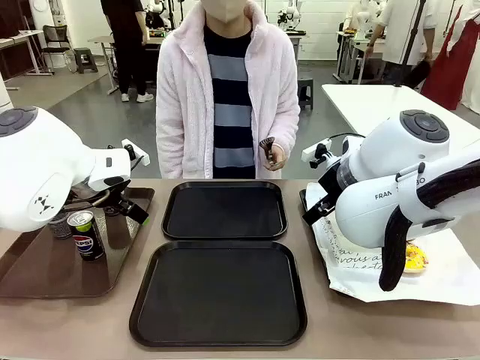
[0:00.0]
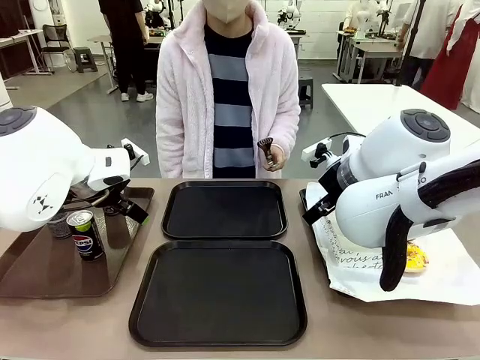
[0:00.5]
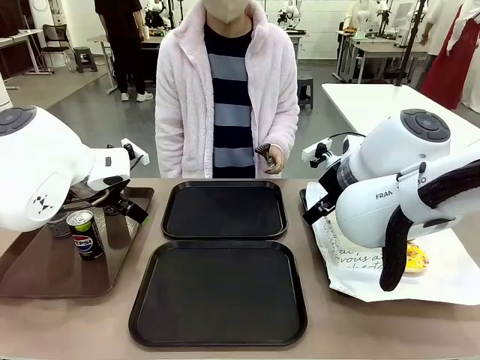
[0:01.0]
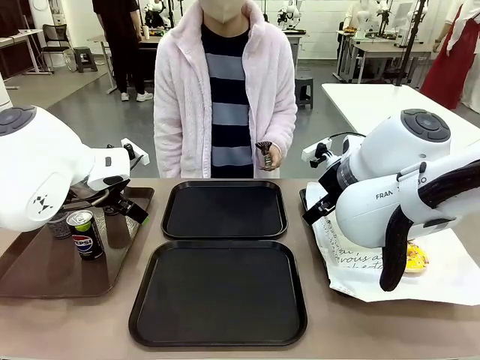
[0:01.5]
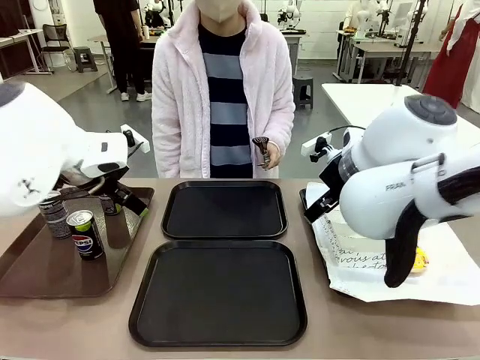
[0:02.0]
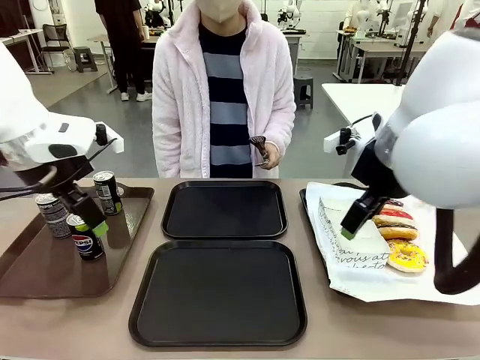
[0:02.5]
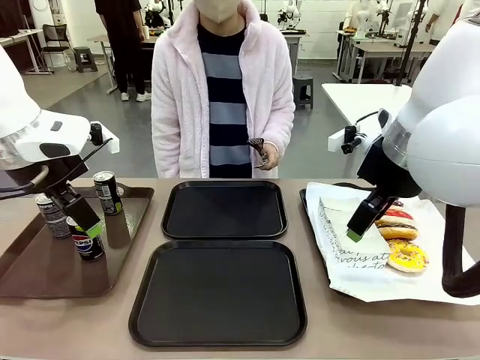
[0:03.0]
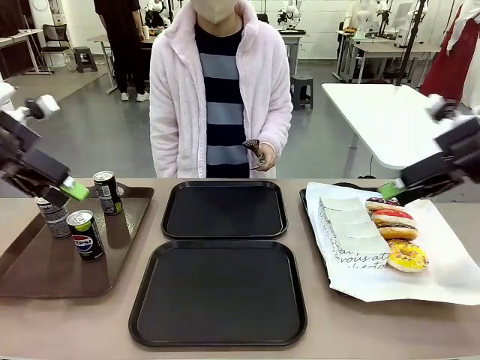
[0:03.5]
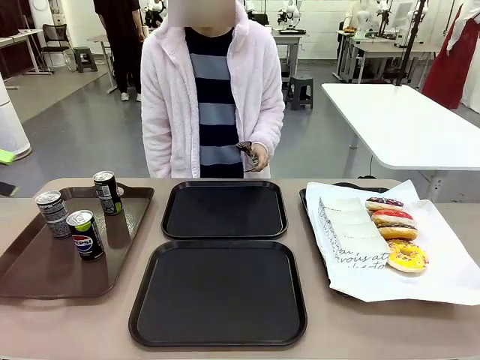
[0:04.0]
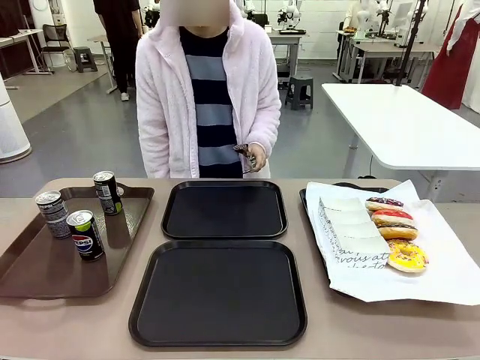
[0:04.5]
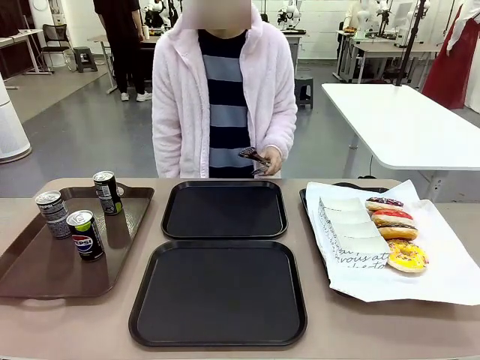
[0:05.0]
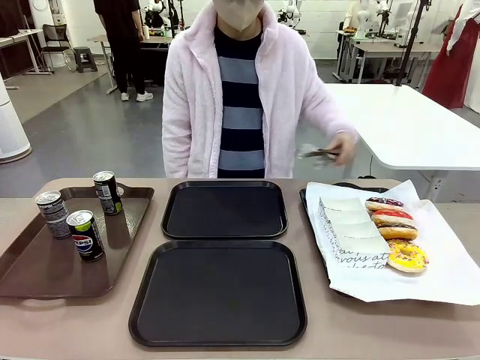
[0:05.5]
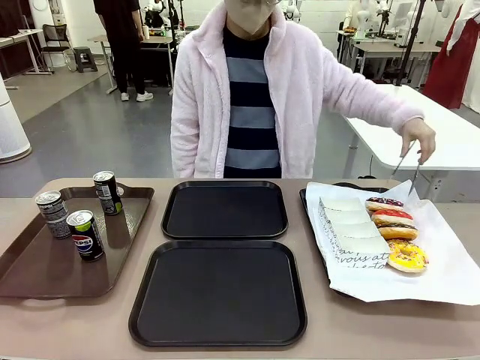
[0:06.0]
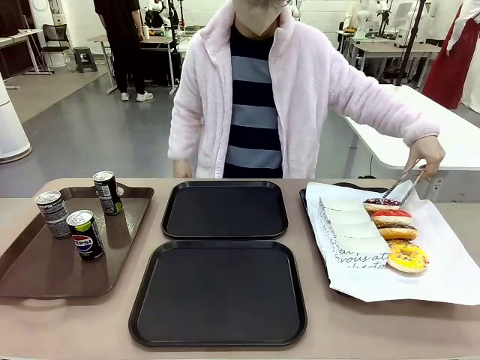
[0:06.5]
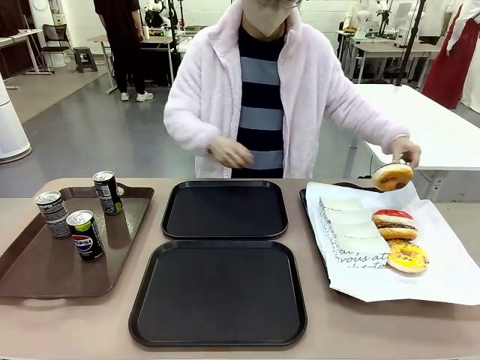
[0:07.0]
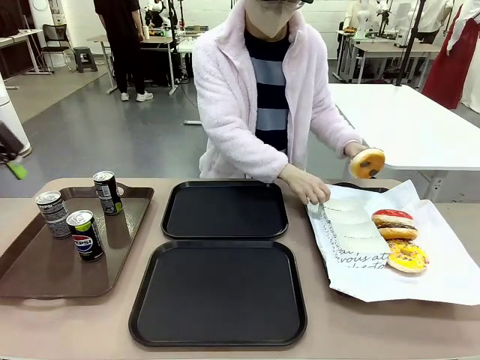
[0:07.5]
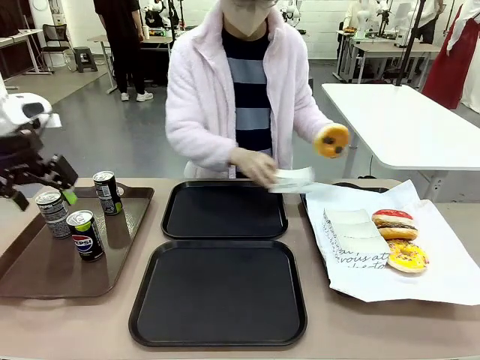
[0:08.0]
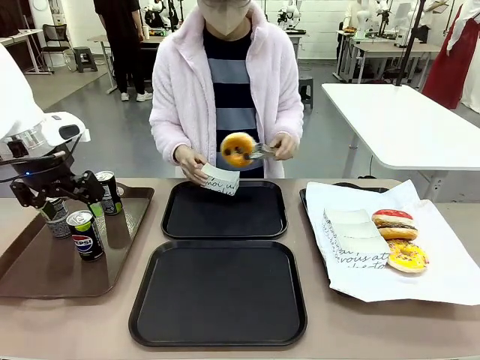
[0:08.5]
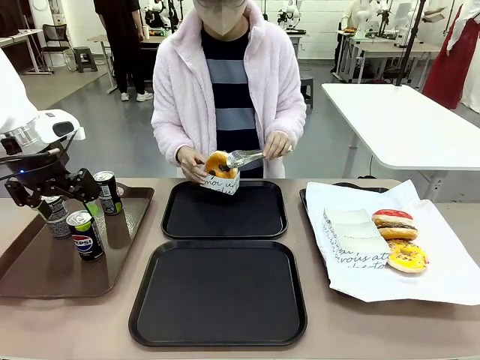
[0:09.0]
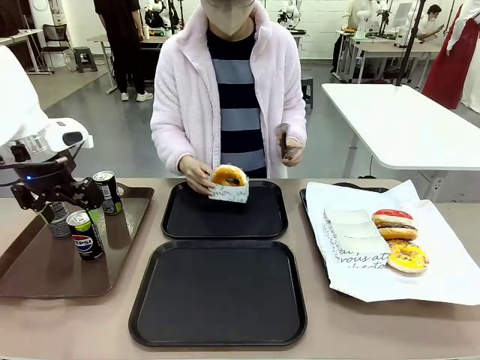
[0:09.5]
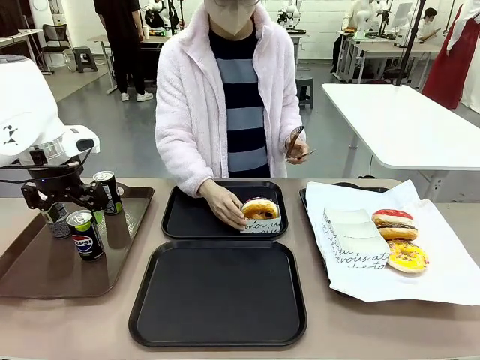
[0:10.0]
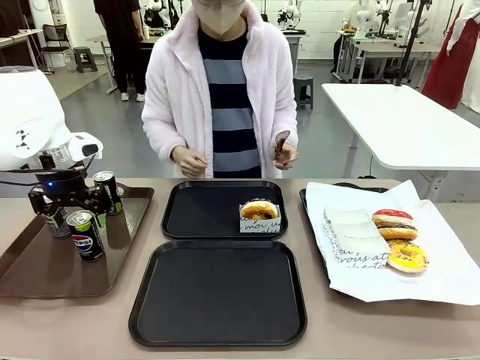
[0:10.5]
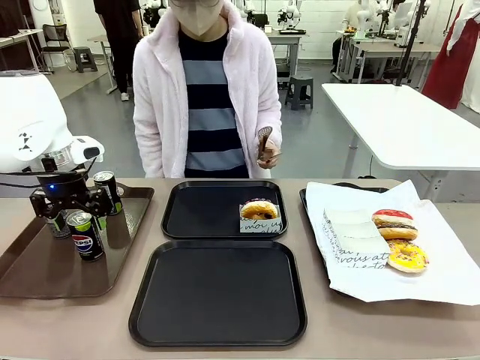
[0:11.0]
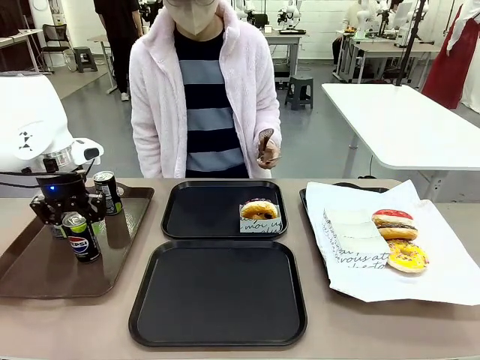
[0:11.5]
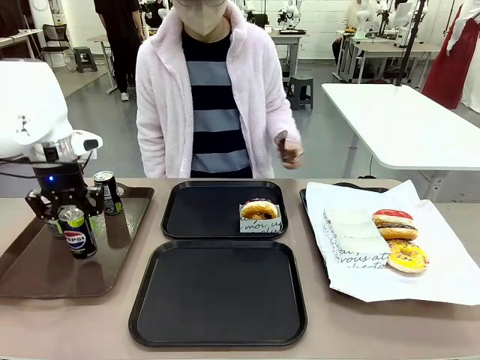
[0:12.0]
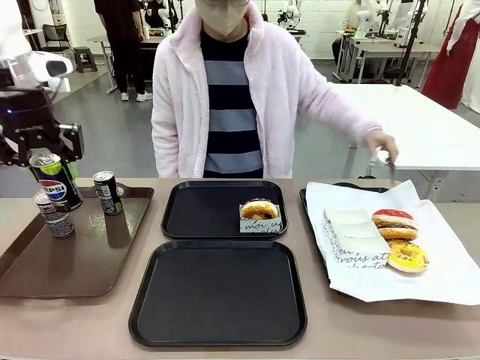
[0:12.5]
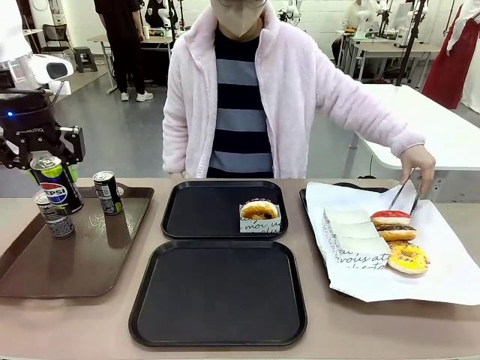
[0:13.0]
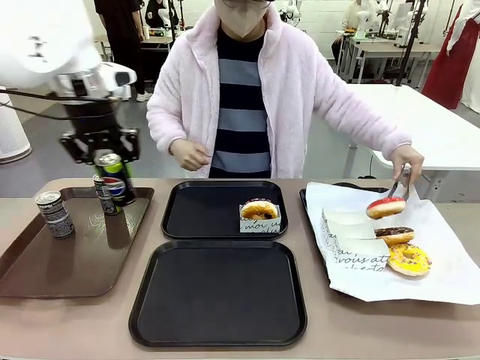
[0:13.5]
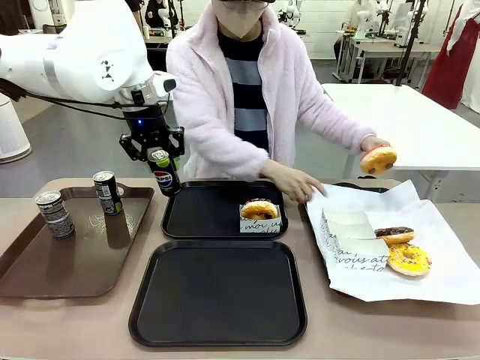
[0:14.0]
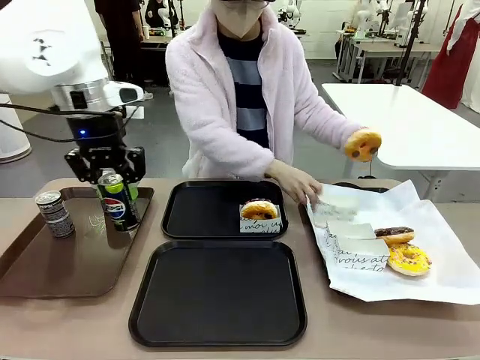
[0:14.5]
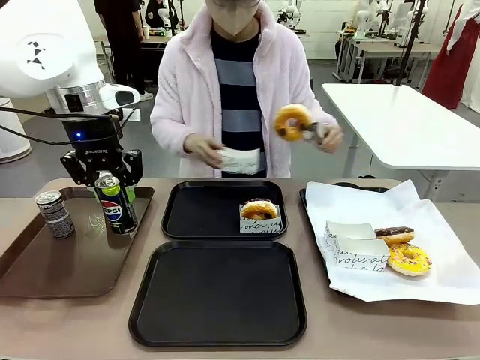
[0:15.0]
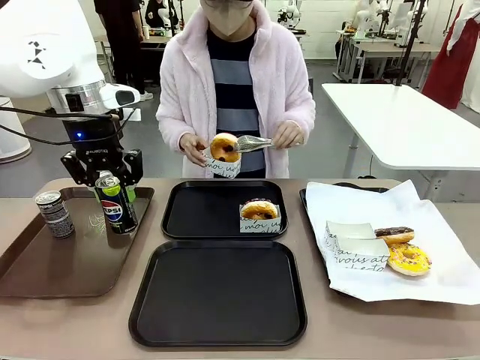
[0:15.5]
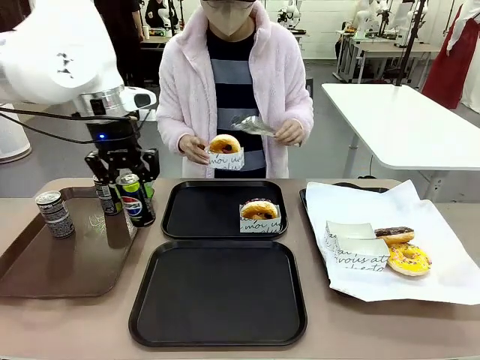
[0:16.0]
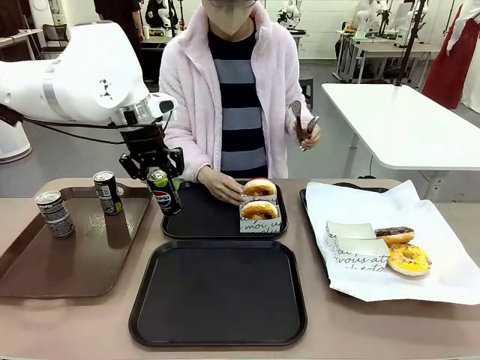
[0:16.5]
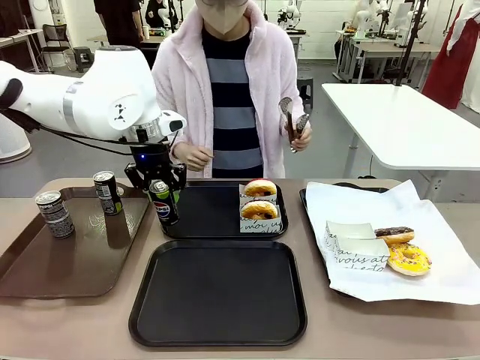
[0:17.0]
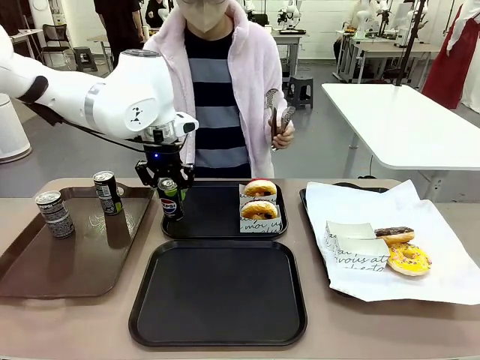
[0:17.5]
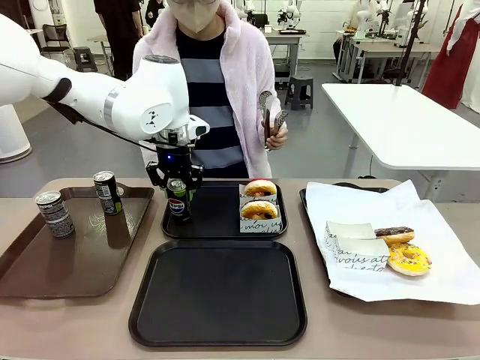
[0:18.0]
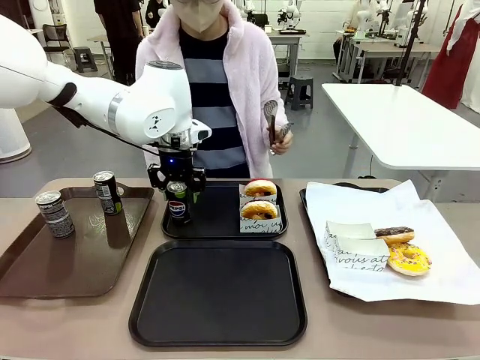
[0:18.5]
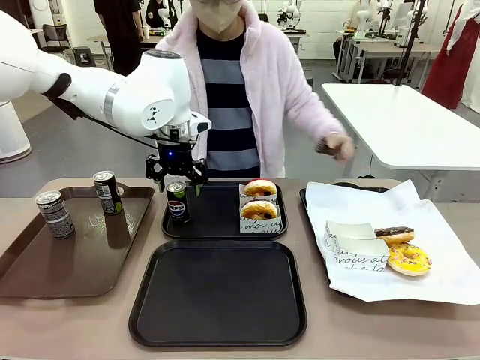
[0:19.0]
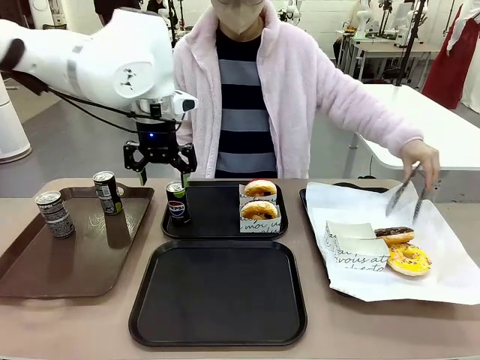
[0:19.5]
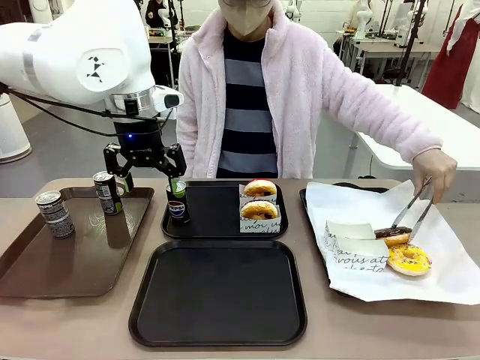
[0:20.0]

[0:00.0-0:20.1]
Task: Set up donuts and drinks on trays.
Robot: Pick up one Pepsi coke and place it on the Flat Tray.
Person: Pick up one donut with tongs, place it in the donut tray, and then place the donut tray on the flat tray.
